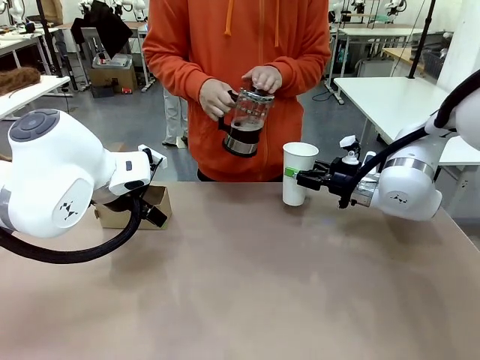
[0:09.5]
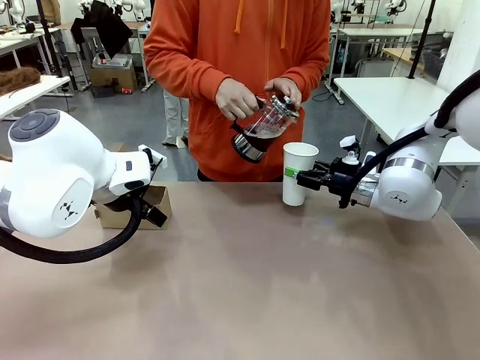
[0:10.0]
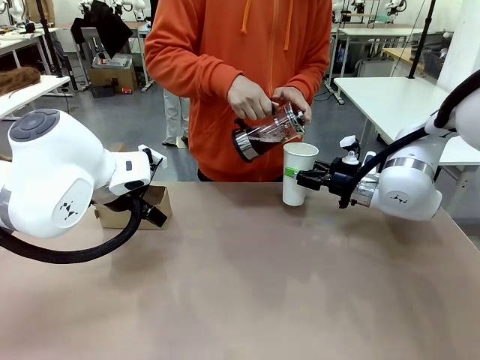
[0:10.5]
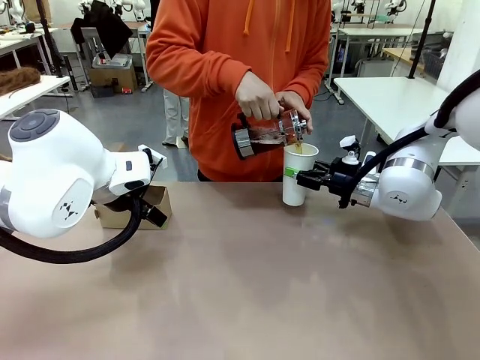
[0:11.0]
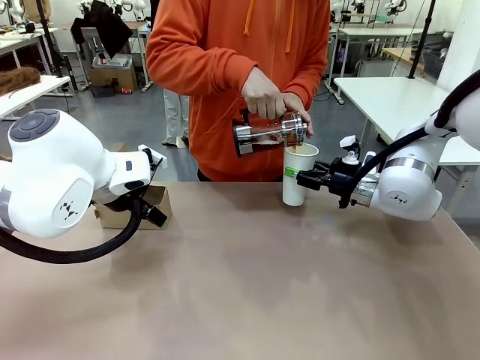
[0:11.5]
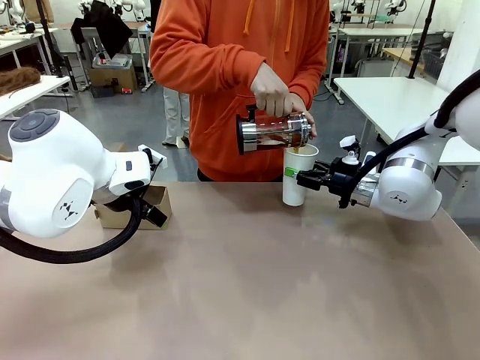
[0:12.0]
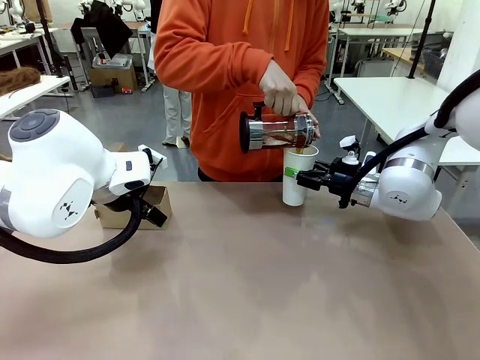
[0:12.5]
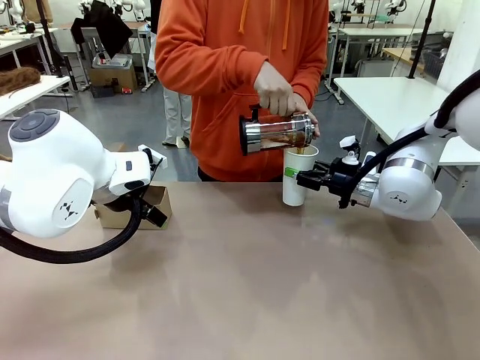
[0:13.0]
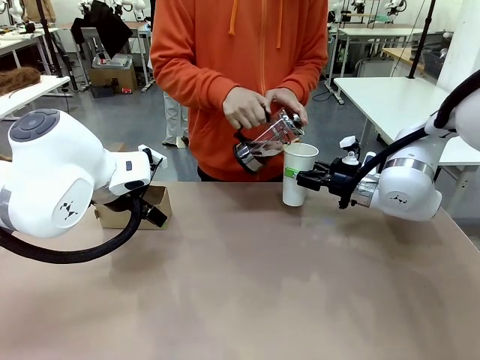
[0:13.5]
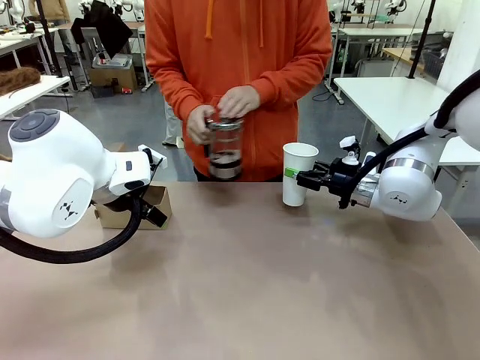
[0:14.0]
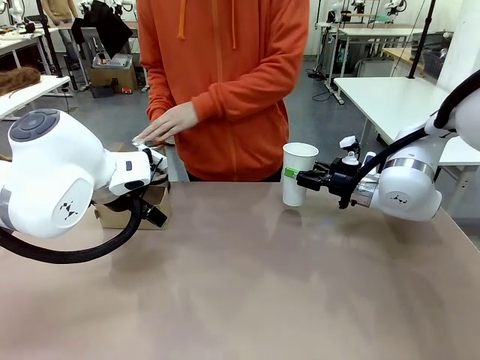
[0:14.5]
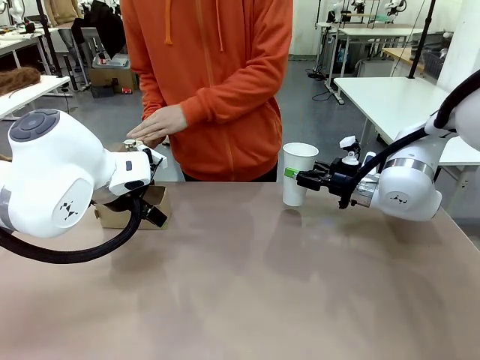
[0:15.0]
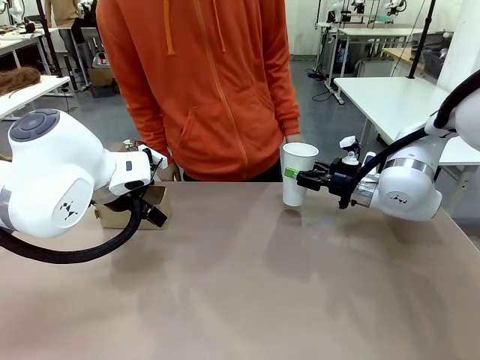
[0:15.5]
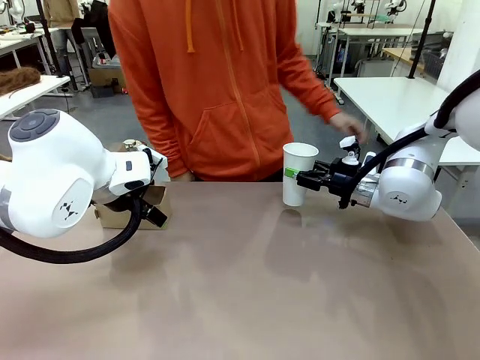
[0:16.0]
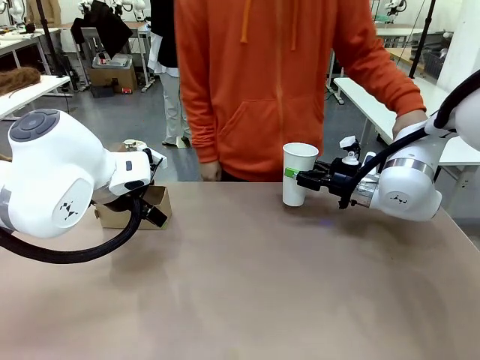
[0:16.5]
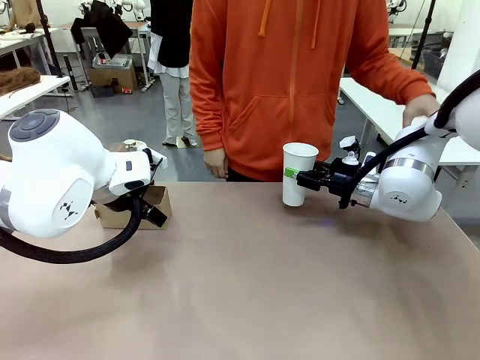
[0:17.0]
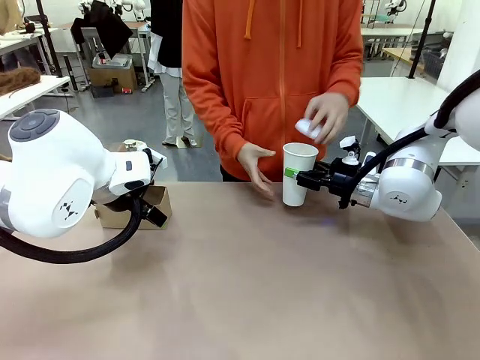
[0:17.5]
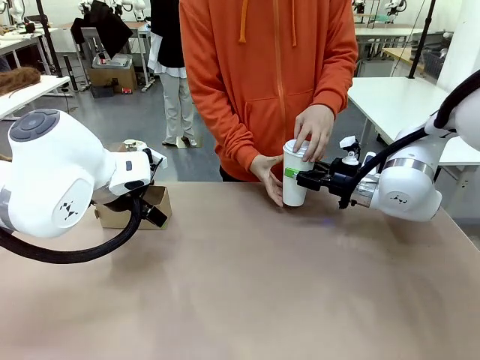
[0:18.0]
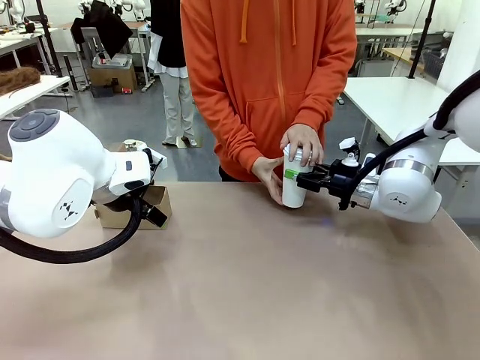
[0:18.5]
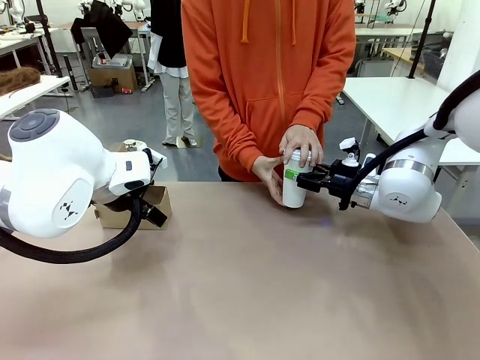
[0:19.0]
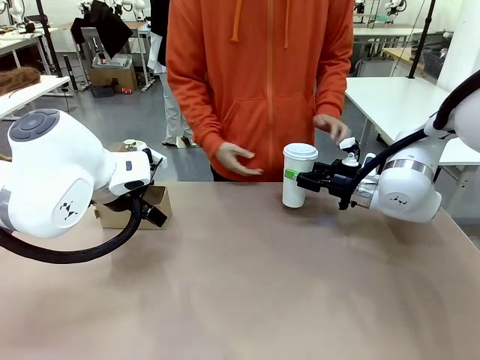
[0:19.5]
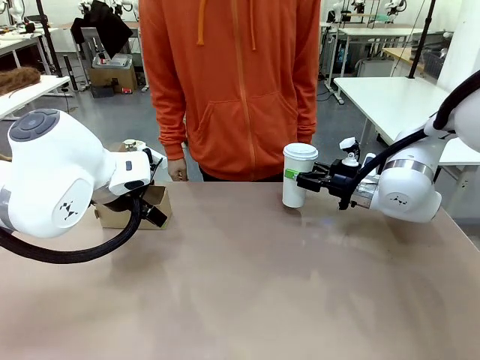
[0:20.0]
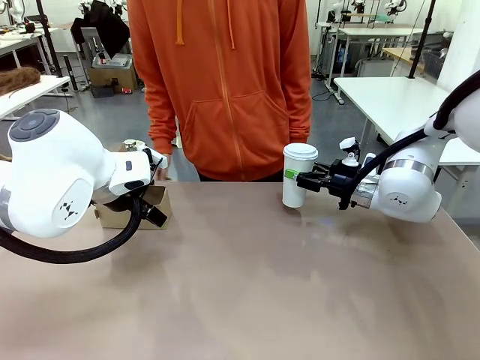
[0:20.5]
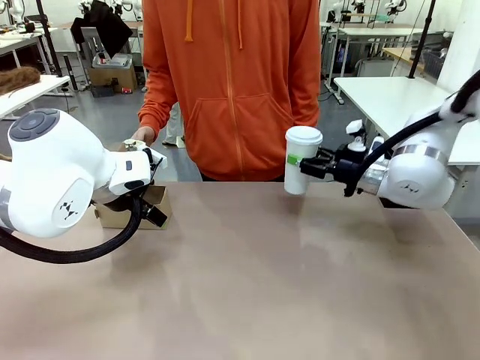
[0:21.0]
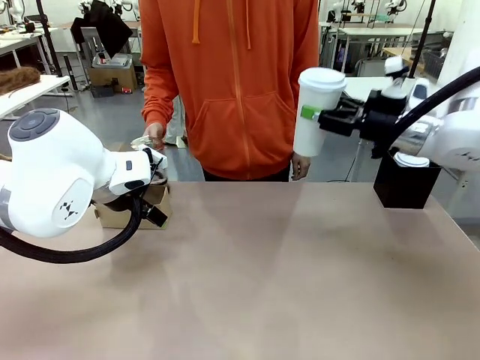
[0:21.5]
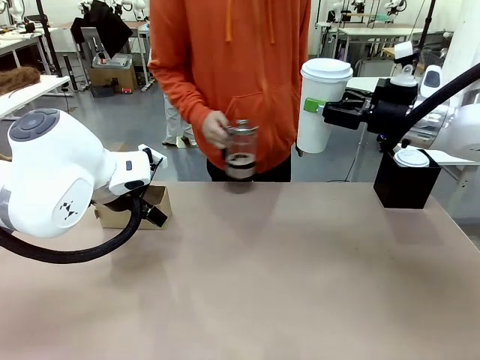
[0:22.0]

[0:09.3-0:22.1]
Task: Pour a drink into a cup and package it in a carrier.
Robot: When a person places the Paper Cup Lid on the 600 ml Paper Cup , lift the 600 ml Paper Cup.
Person: Pour the drink from the Filter Brewing into the 600 ml Paper Cup. Place a Paper Cup Lid on the 600 ml Paper Cup.

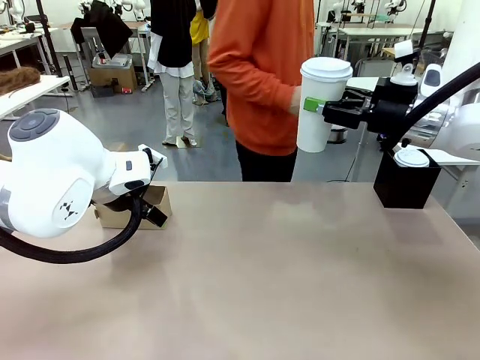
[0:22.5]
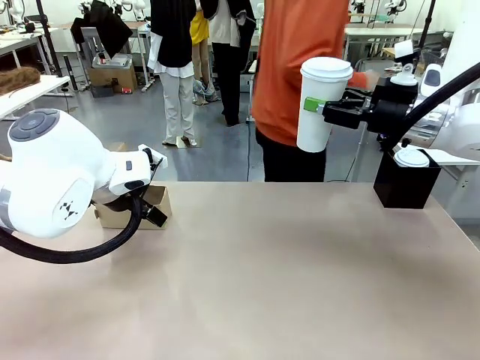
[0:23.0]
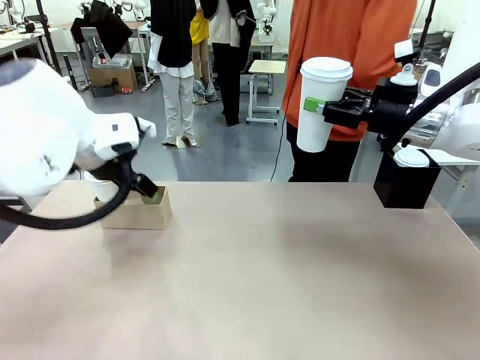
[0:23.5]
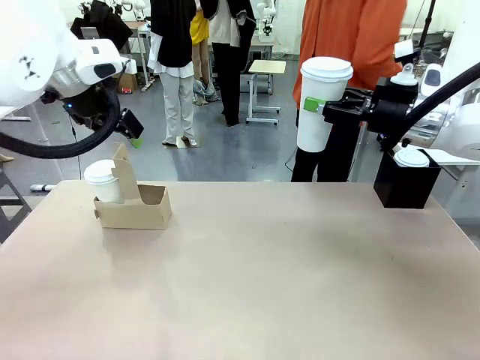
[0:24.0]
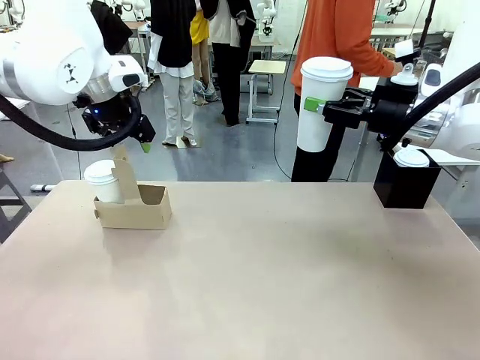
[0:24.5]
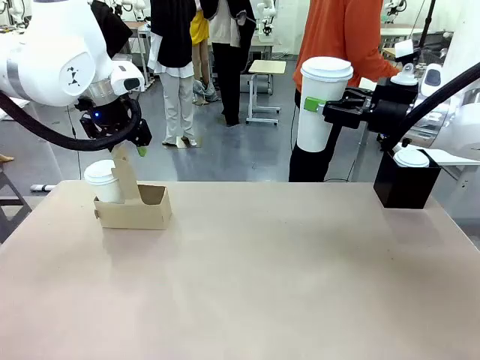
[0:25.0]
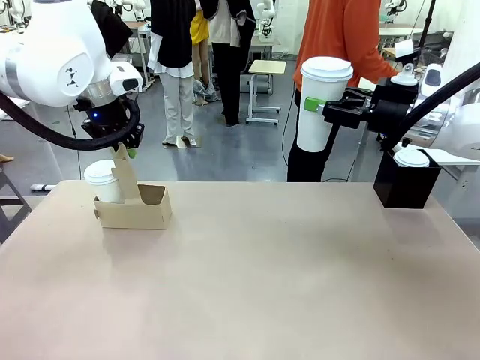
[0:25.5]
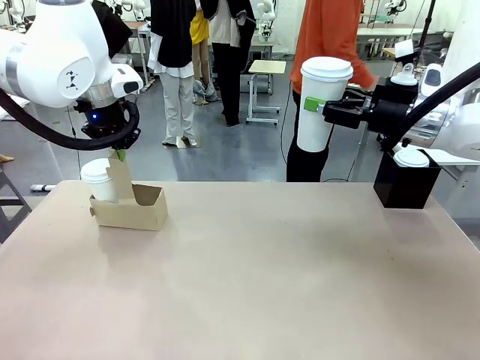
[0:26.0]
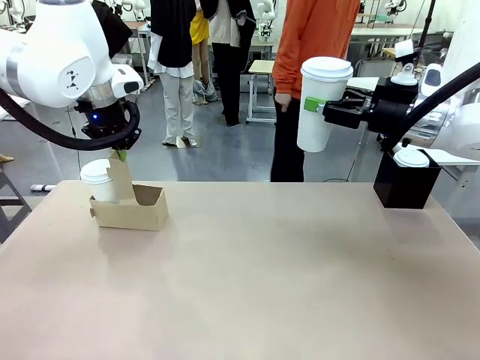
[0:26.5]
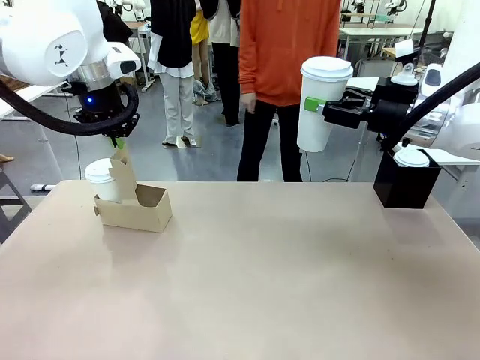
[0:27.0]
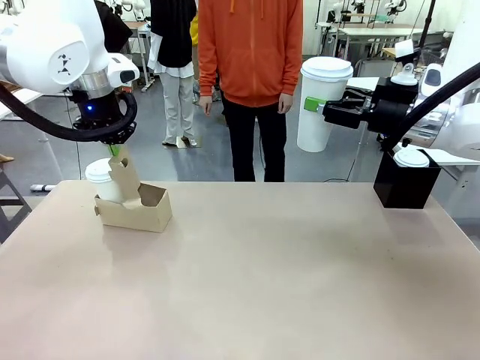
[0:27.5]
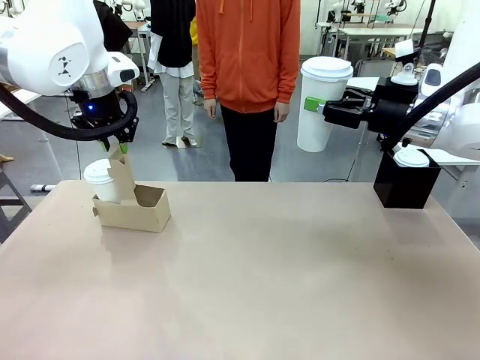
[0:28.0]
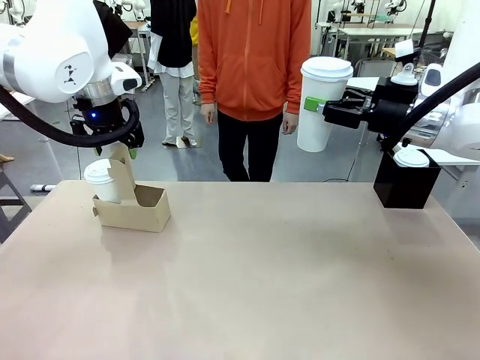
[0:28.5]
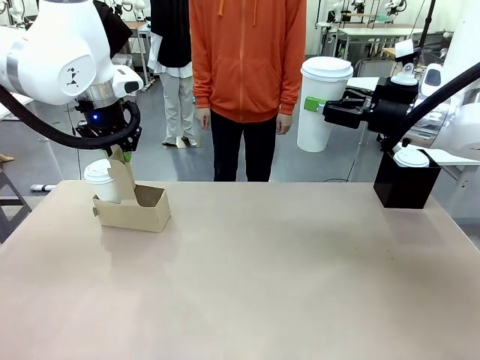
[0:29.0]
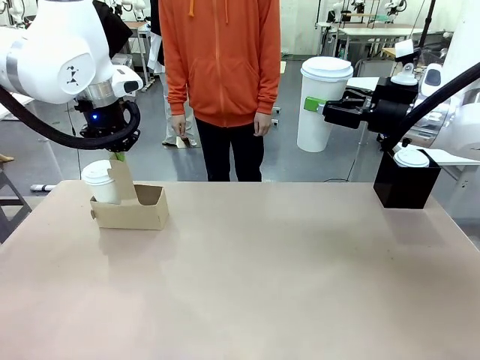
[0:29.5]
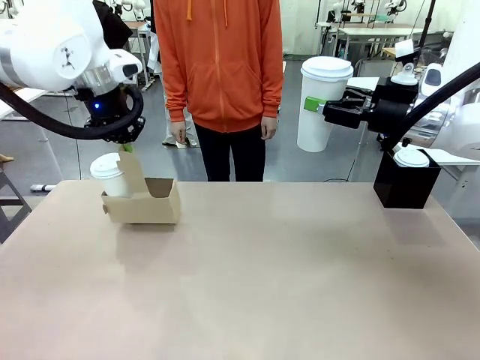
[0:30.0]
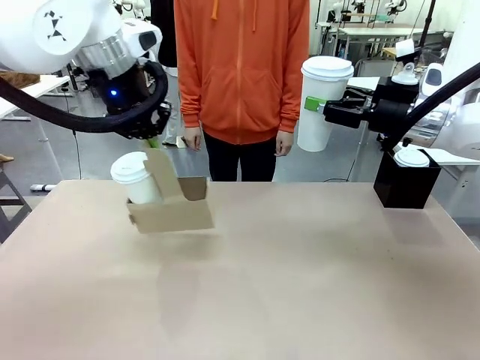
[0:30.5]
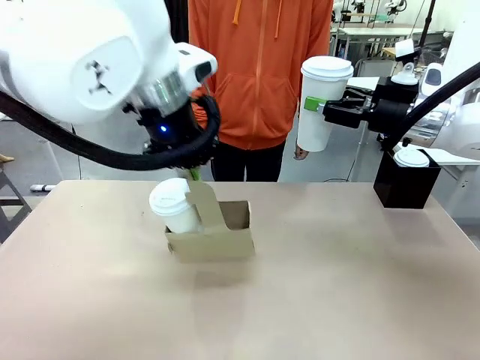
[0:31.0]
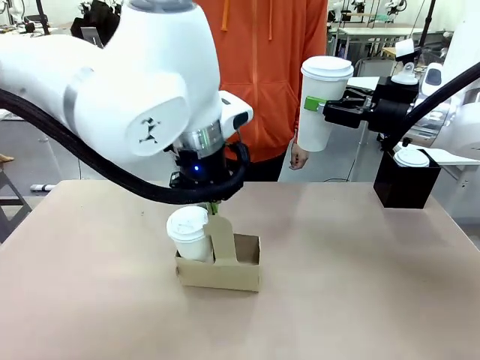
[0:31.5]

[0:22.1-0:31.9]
Robot: Position the Cup Carrier in the center of the table.
Person: Pick up the Filter Brewing and place on the middle of Human table, and return to the Robot table.

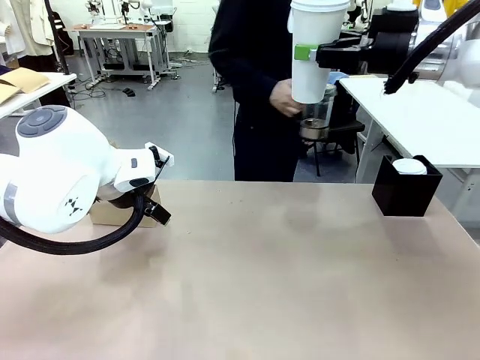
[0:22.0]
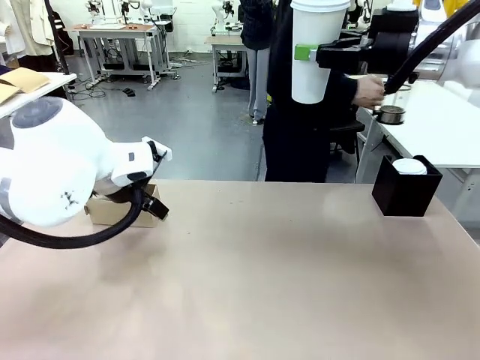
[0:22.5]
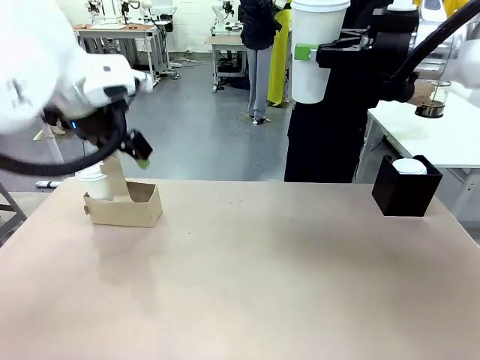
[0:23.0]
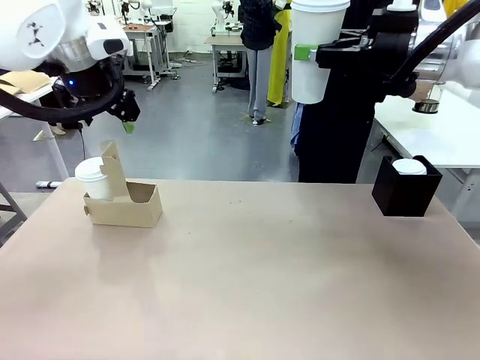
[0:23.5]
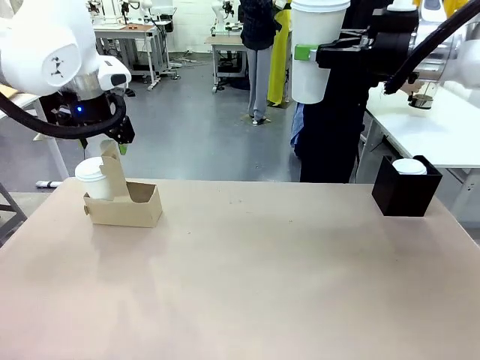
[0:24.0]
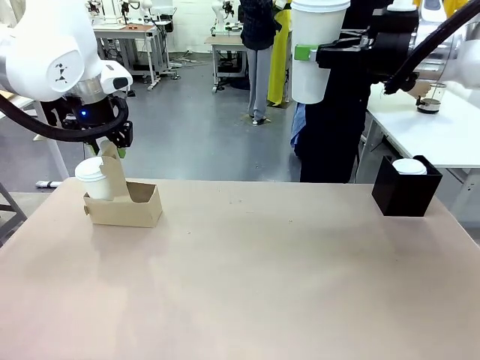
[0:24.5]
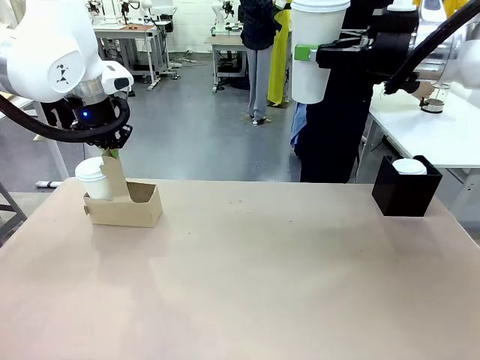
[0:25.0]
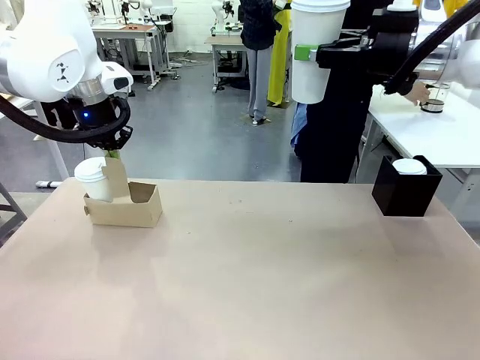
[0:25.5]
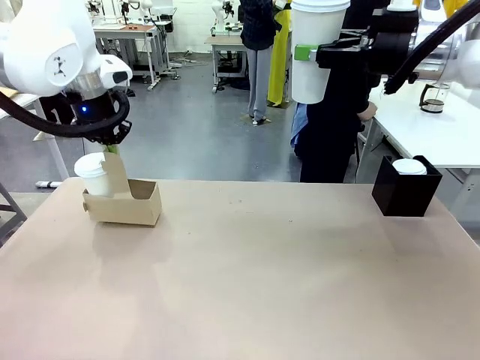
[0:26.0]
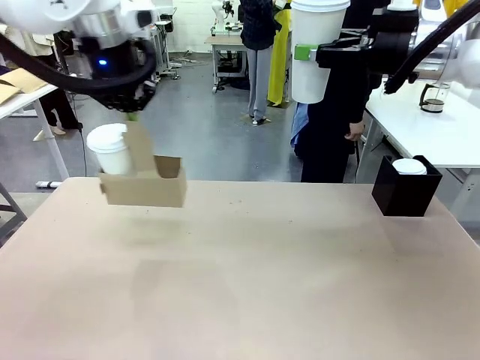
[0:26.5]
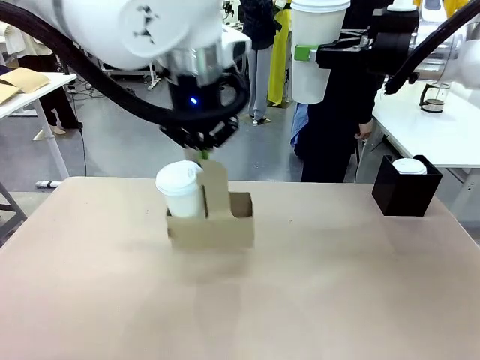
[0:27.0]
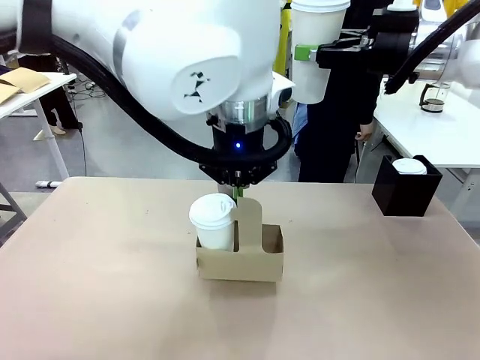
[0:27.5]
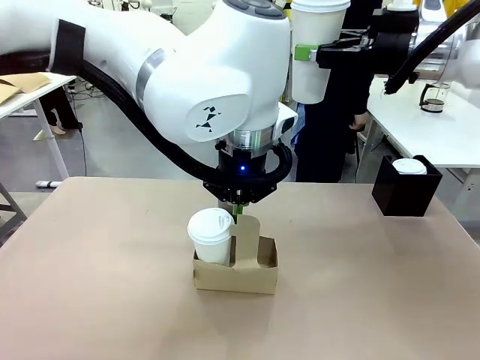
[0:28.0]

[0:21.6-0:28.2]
Task: Pour a drink into a cup and package it in a carrier.
Robot: Position the Cup Carrier in the center of the table.
